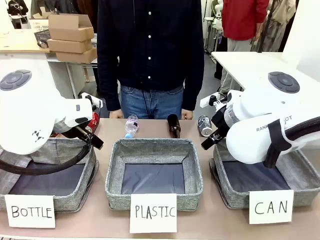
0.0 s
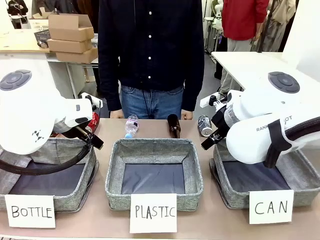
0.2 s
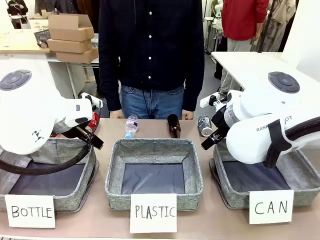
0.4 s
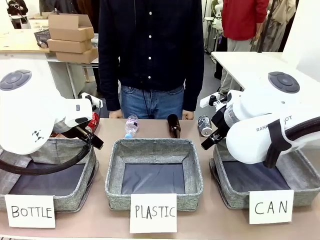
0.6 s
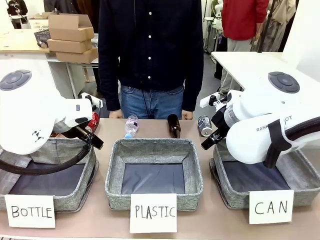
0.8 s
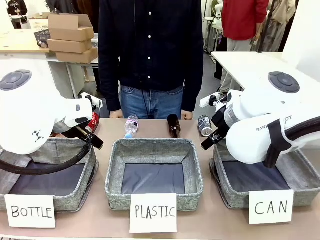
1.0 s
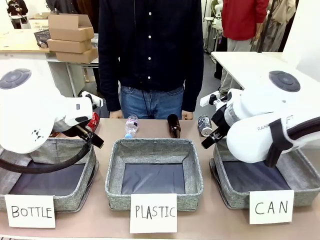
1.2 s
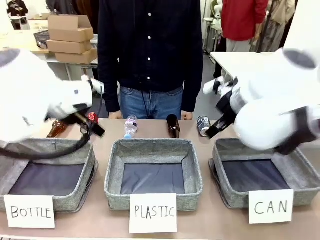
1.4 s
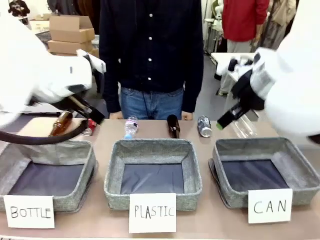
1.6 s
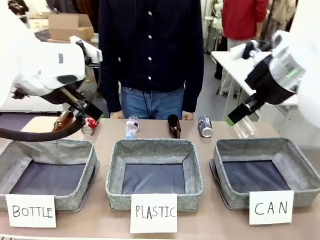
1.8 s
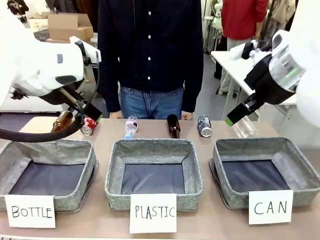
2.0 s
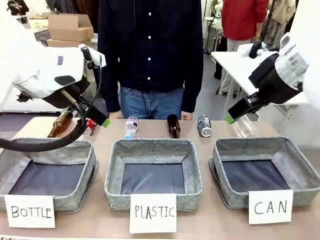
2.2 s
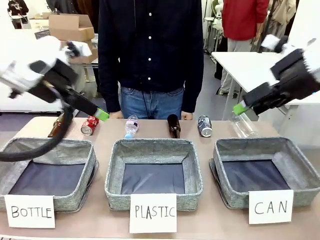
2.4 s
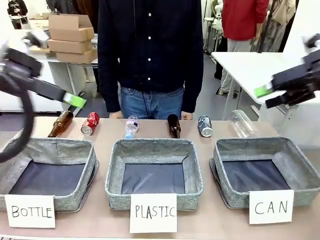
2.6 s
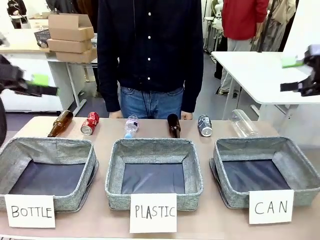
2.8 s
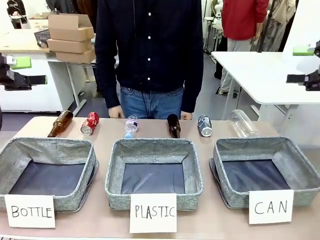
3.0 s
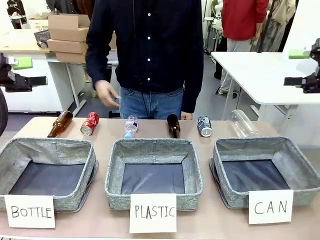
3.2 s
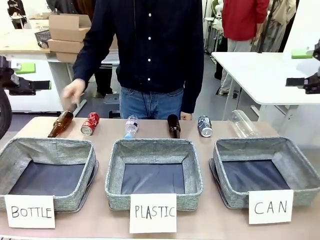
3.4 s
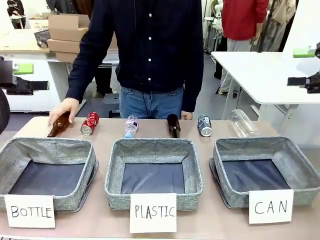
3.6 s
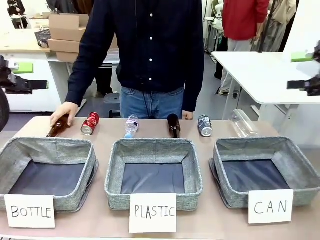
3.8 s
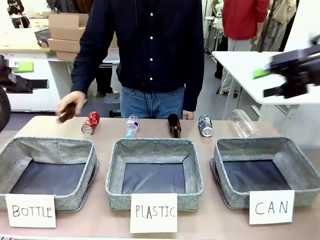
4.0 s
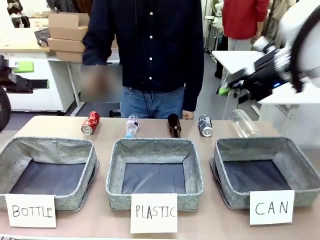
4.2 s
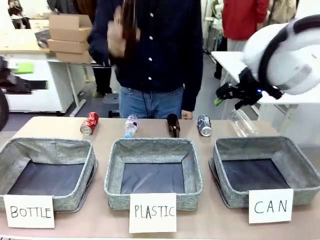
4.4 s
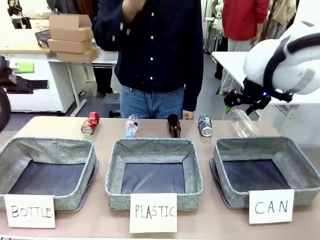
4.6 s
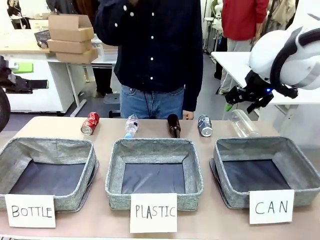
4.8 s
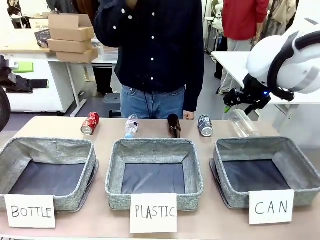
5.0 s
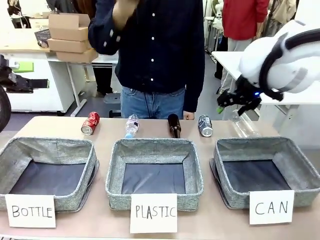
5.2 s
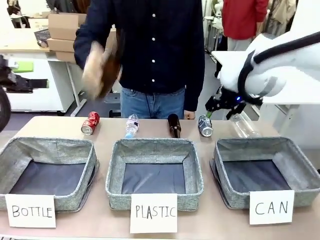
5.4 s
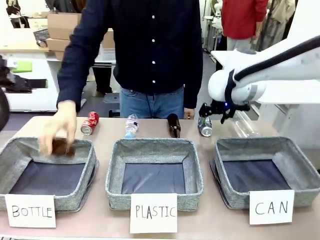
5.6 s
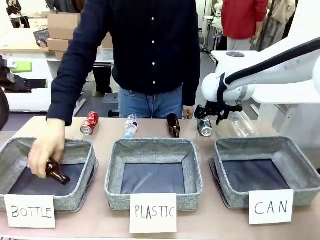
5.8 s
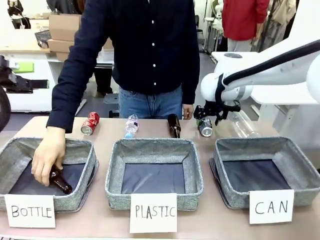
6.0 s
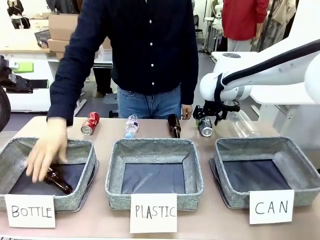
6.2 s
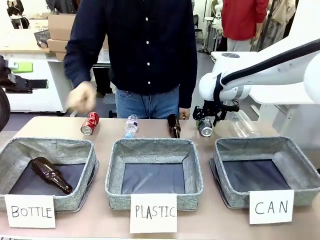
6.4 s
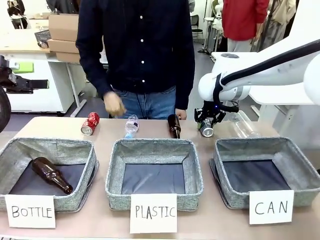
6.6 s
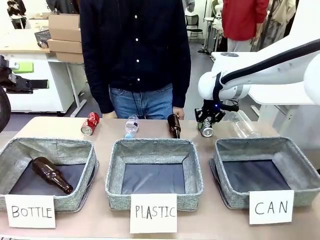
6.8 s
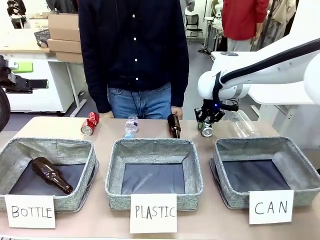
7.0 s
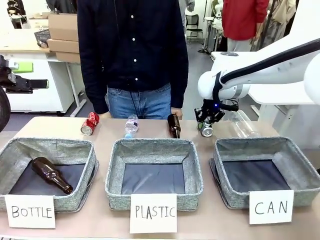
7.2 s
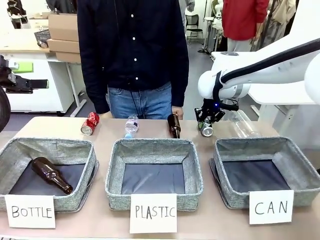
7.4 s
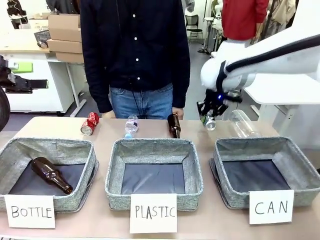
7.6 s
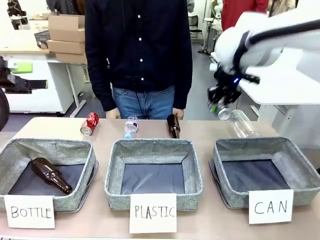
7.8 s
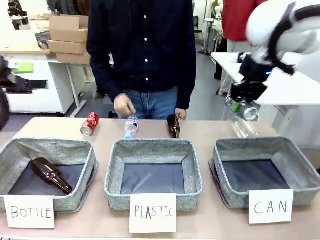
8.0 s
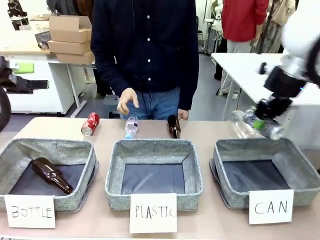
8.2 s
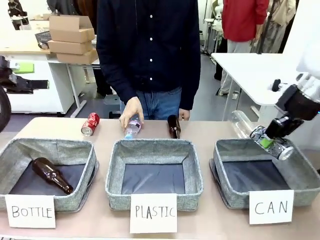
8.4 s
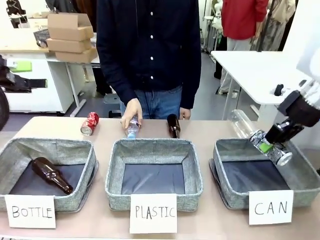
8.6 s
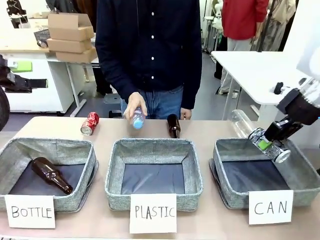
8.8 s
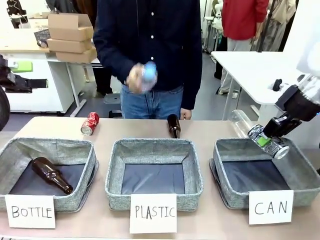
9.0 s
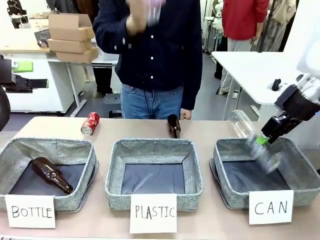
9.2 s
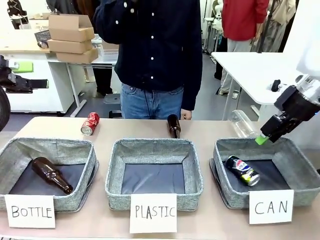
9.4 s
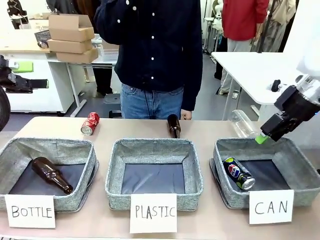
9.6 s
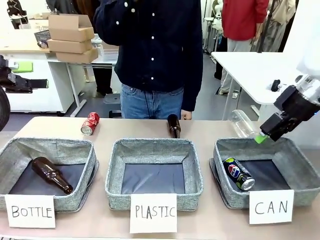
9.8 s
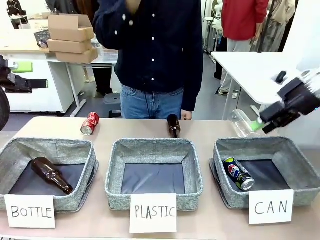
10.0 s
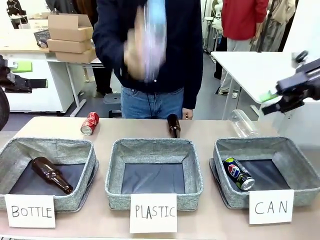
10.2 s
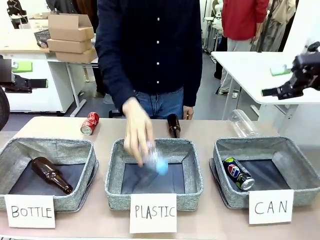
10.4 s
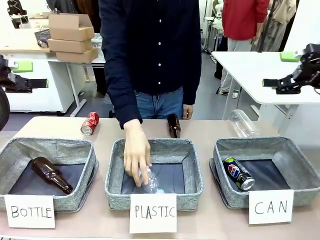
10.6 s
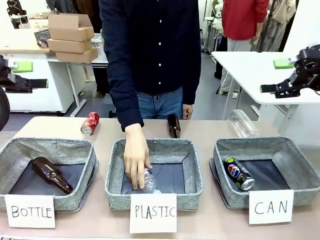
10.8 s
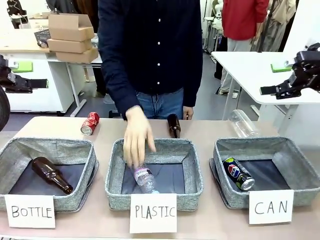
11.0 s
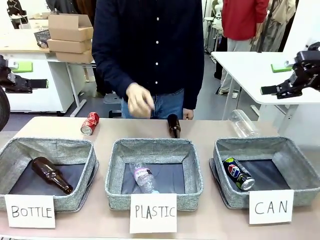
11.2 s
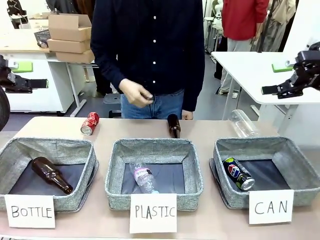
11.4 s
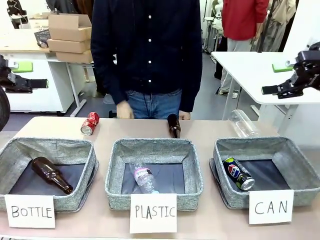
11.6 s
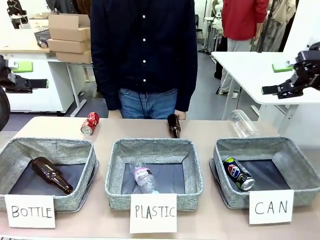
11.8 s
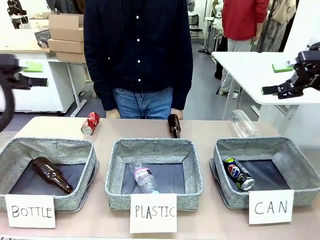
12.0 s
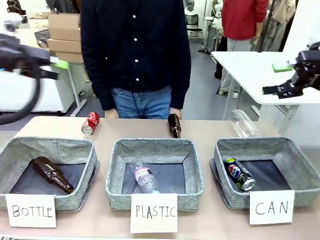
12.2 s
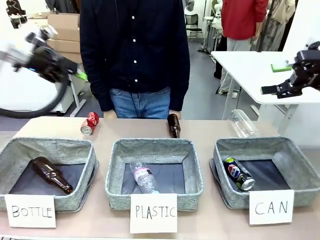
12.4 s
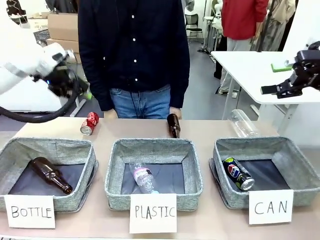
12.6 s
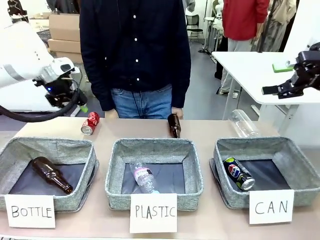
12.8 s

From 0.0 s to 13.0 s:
Task: Sort the can waste into the basket.
Robot: Pick up the can waste from the table and place it in the right Fabric basket.

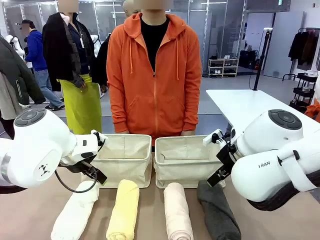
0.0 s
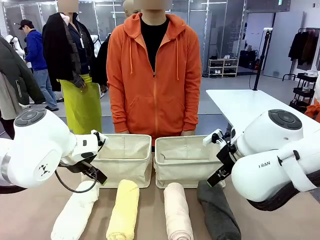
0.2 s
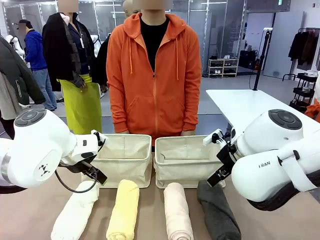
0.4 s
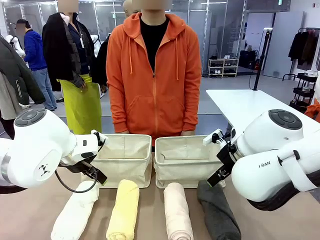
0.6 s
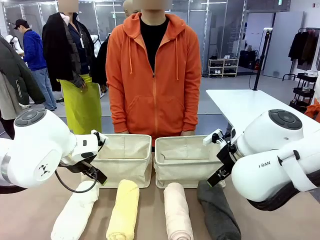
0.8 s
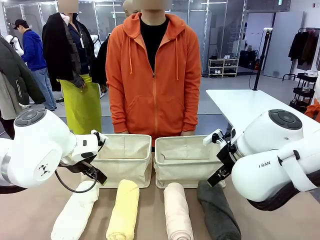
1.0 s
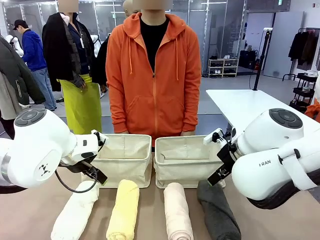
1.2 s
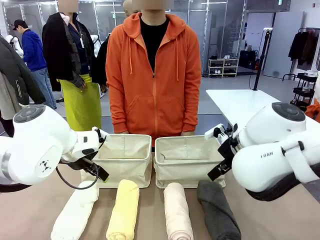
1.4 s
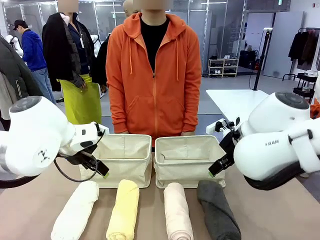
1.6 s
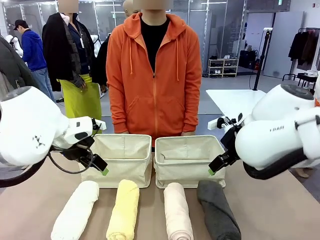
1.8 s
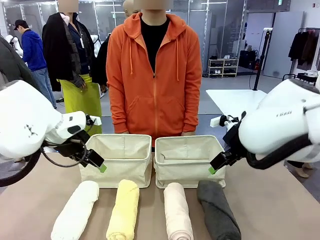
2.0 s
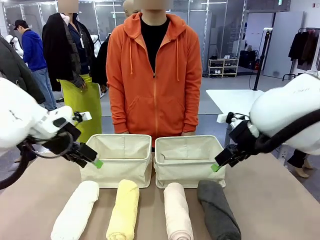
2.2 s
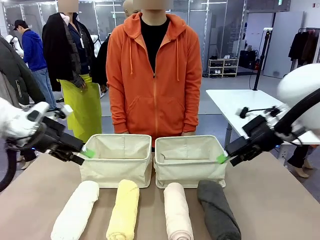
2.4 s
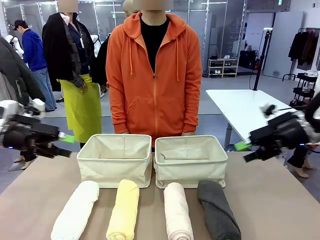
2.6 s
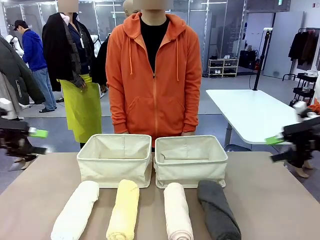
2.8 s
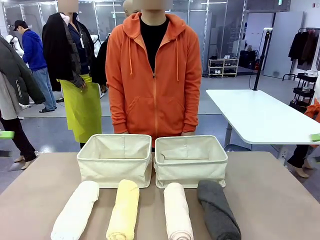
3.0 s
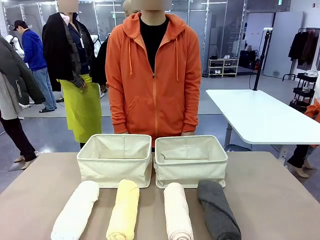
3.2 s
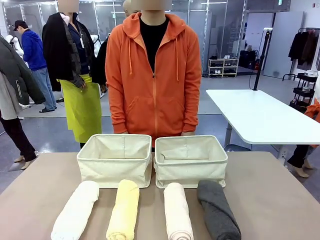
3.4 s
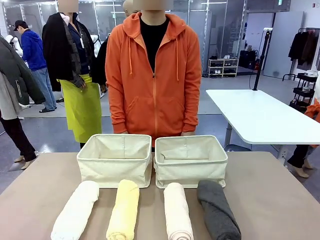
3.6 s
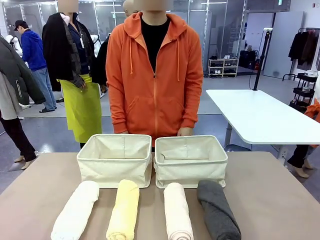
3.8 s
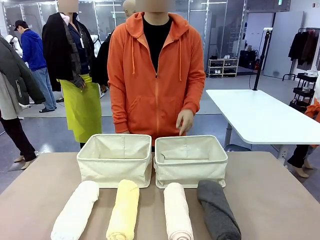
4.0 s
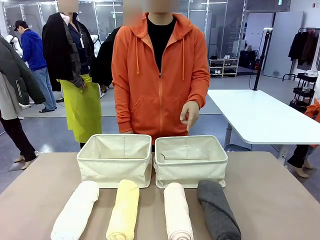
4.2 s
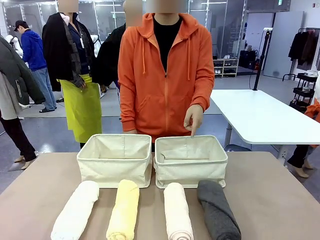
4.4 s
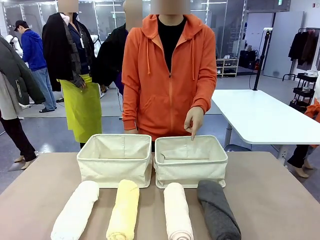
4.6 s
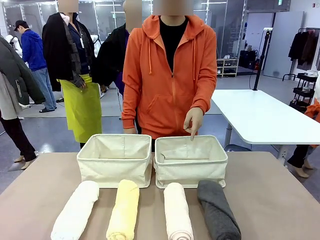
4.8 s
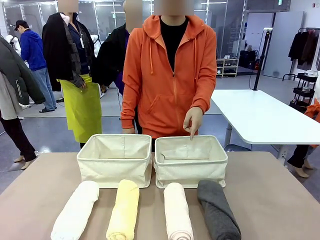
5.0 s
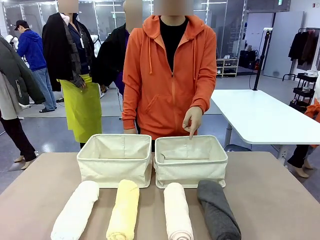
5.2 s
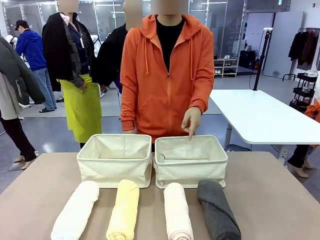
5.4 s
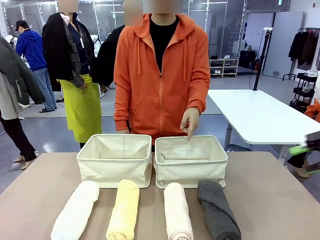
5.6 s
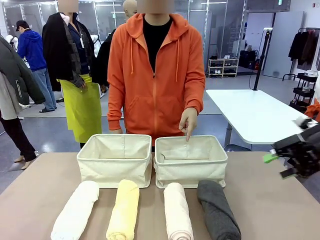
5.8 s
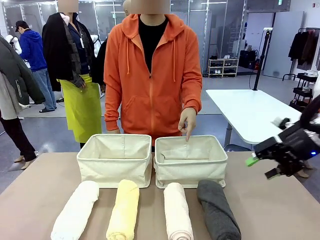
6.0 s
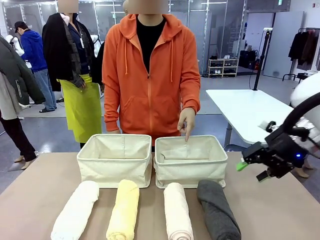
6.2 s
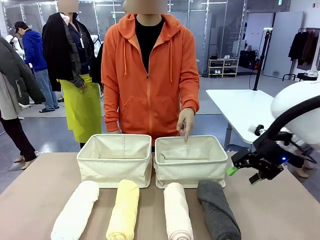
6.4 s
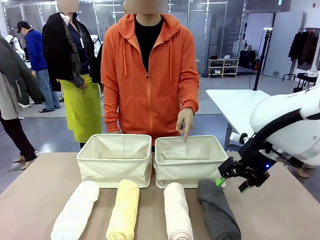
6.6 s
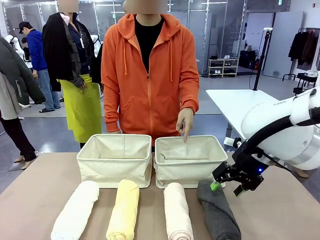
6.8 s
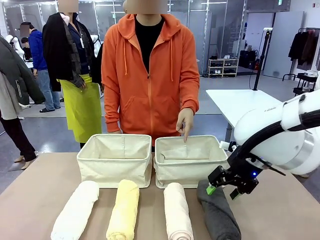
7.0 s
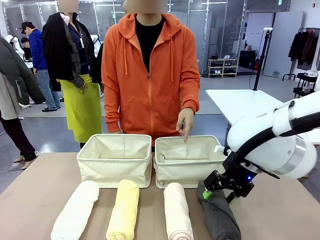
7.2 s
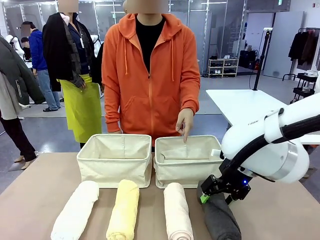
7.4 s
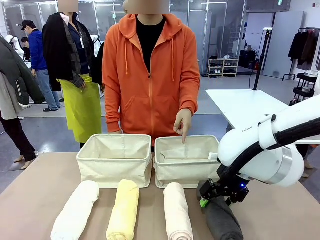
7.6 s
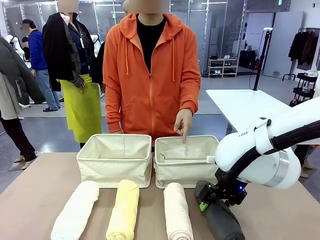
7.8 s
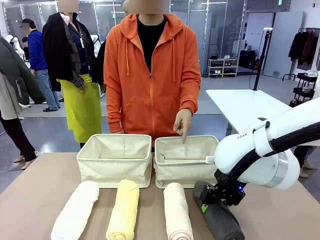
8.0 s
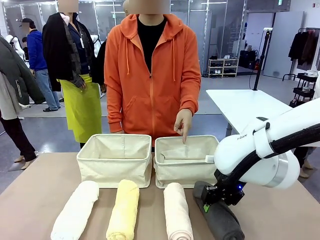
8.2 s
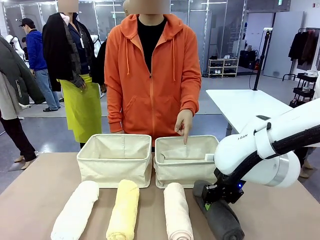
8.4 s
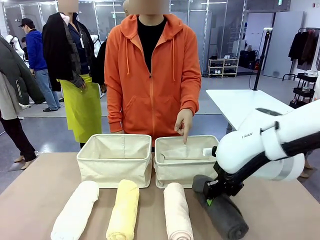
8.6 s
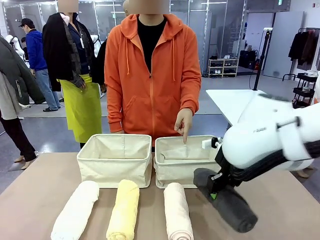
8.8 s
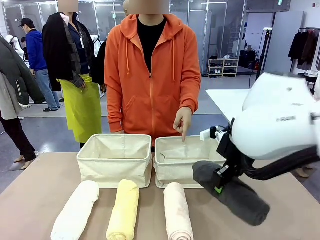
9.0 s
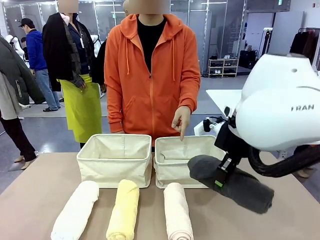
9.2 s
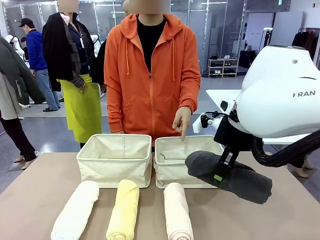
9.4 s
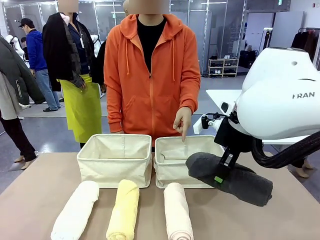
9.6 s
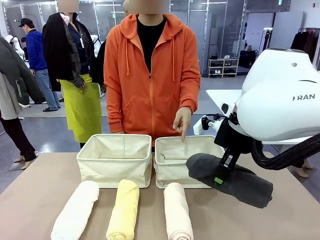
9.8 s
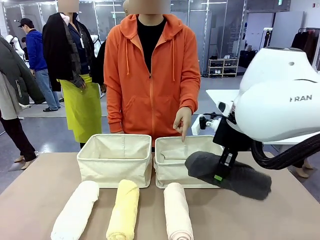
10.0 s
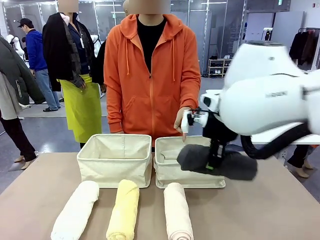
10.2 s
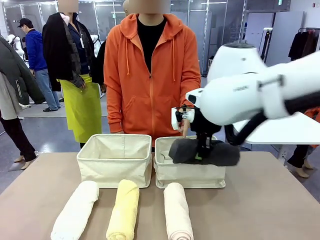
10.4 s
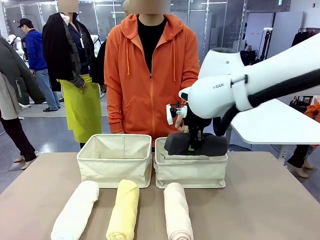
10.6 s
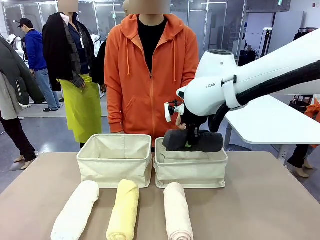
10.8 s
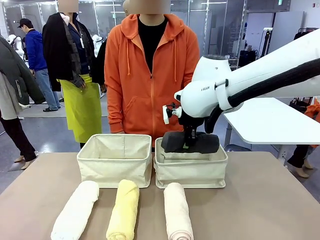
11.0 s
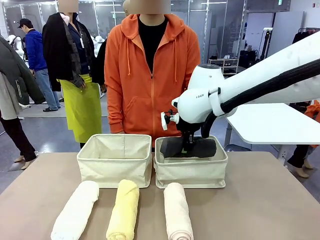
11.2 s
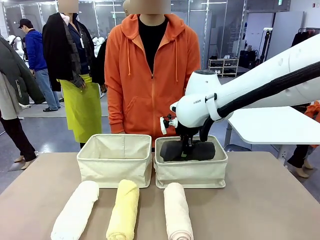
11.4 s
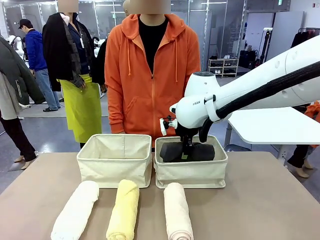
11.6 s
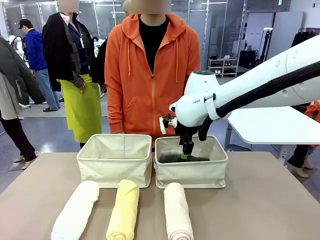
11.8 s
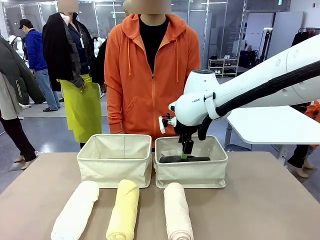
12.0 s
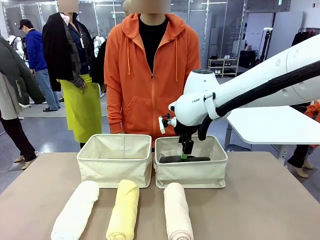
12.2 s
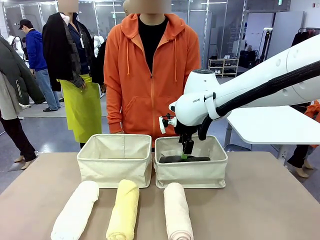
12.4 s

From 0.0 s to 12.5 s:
Task: Divide the towels into two baskets.
Robot: Pick up one hotel-folded towel and place it in the Fabric basket indicated by the person.
